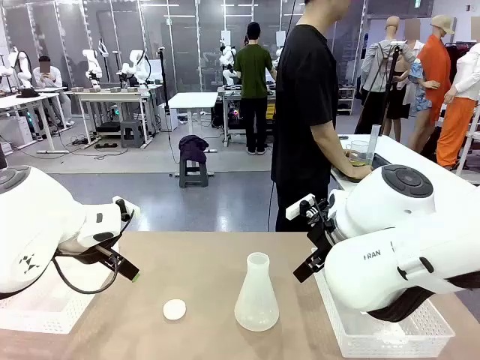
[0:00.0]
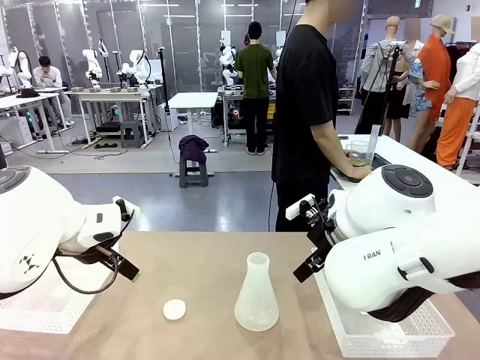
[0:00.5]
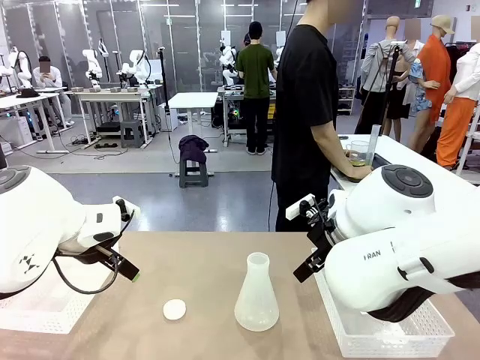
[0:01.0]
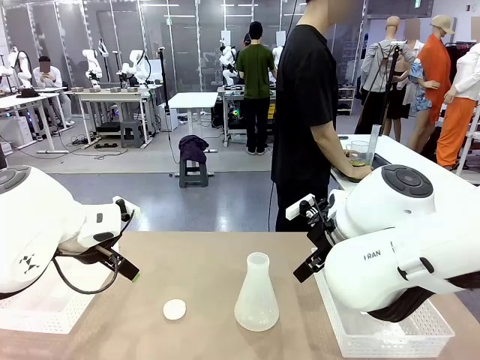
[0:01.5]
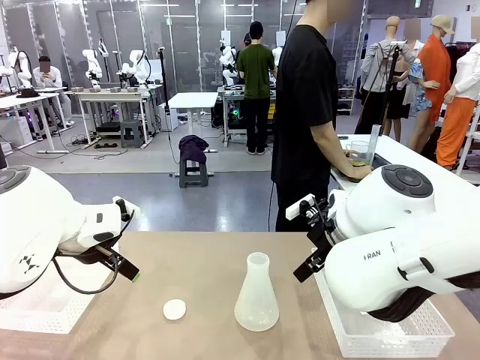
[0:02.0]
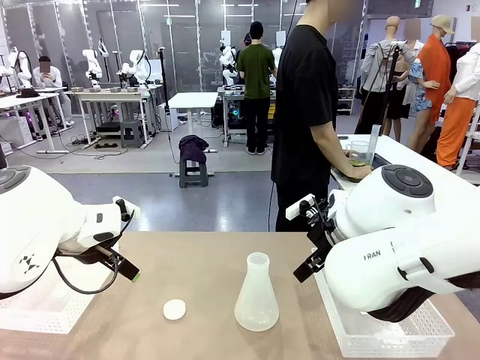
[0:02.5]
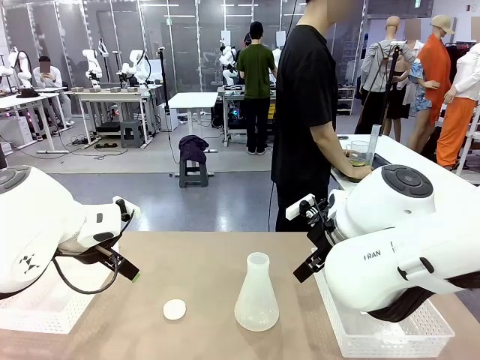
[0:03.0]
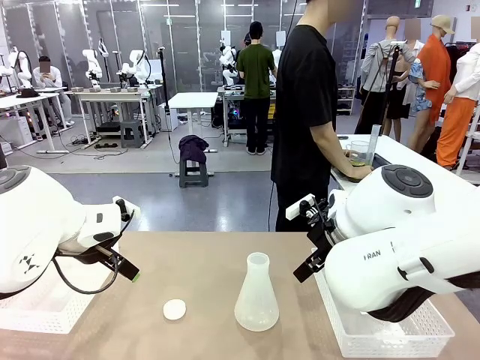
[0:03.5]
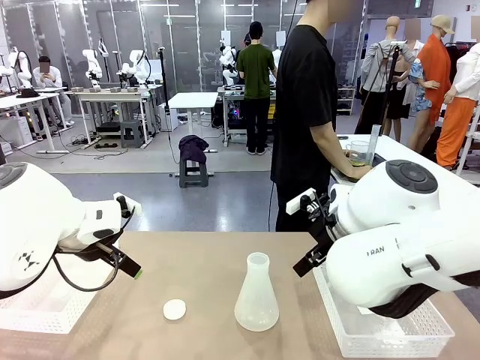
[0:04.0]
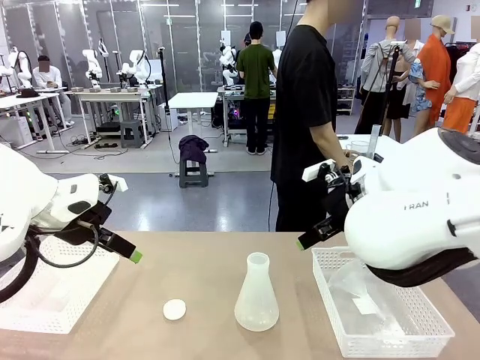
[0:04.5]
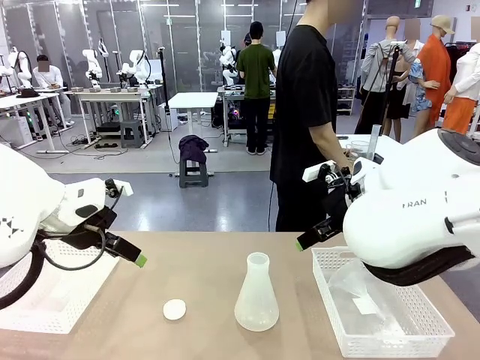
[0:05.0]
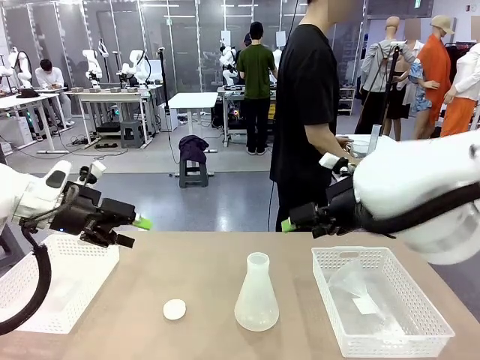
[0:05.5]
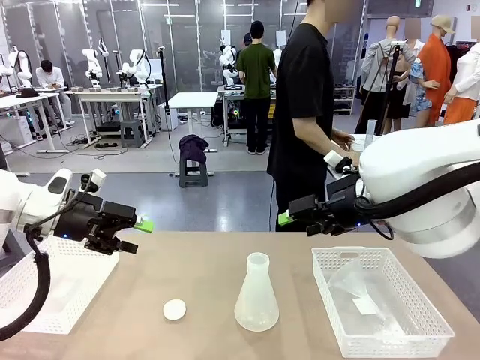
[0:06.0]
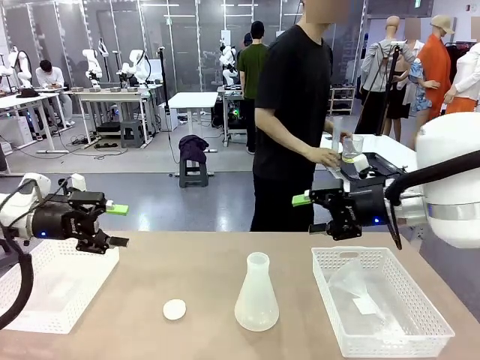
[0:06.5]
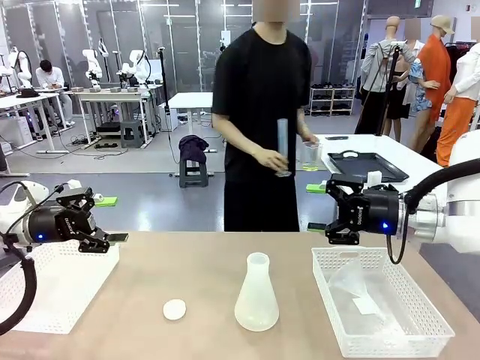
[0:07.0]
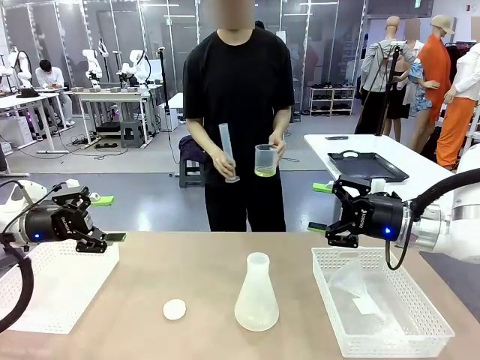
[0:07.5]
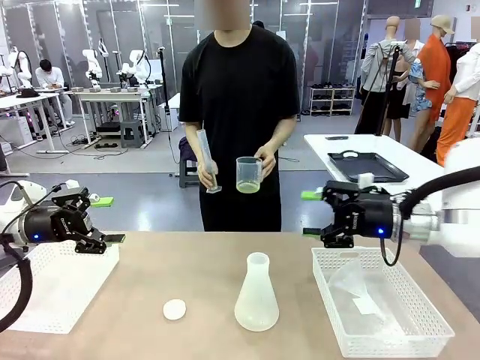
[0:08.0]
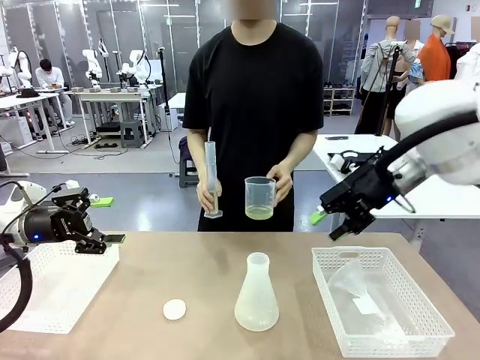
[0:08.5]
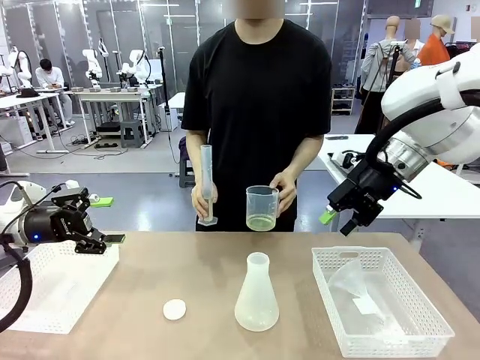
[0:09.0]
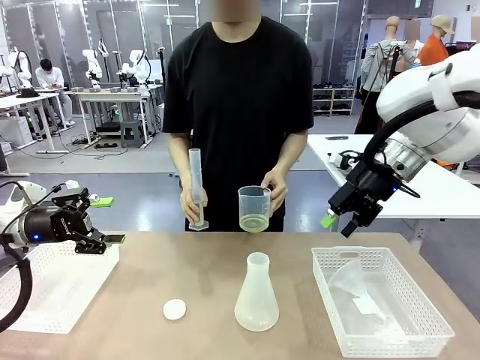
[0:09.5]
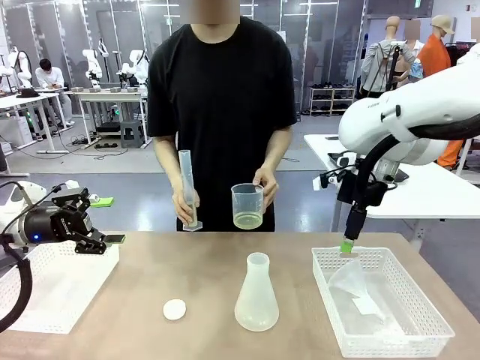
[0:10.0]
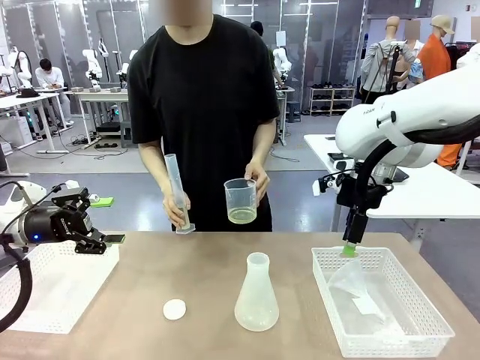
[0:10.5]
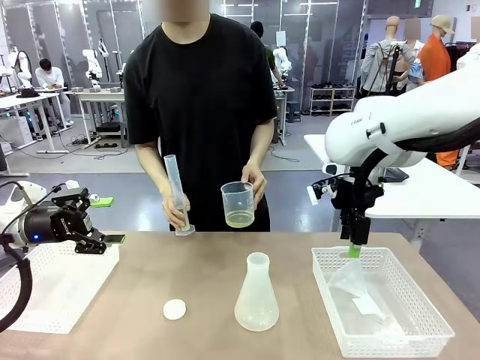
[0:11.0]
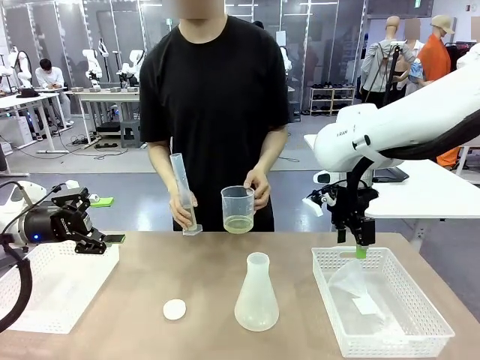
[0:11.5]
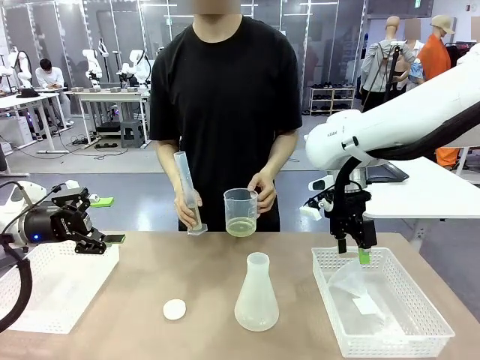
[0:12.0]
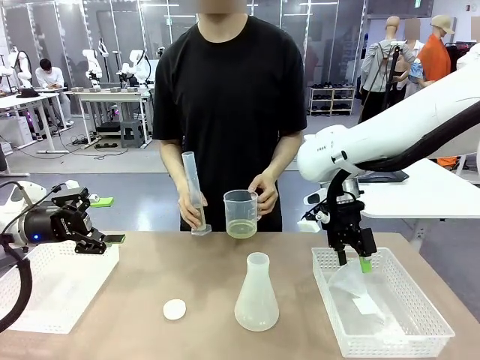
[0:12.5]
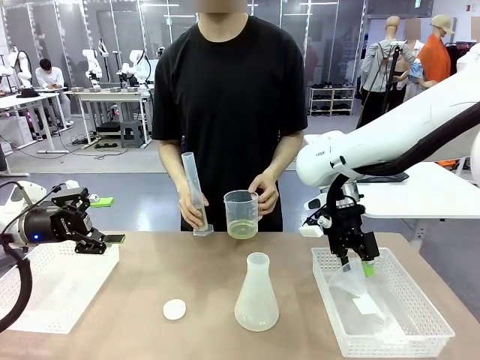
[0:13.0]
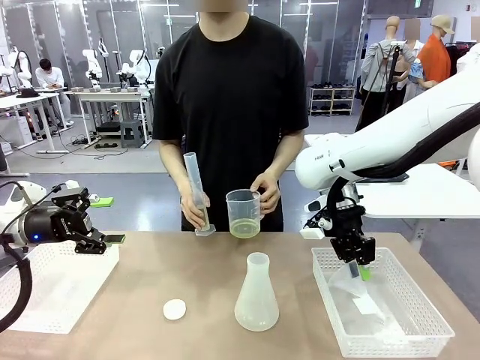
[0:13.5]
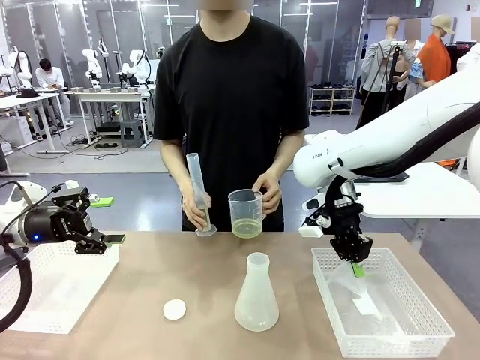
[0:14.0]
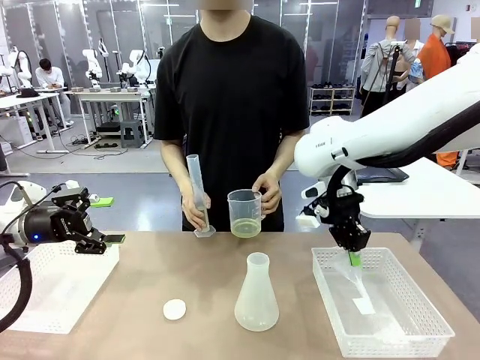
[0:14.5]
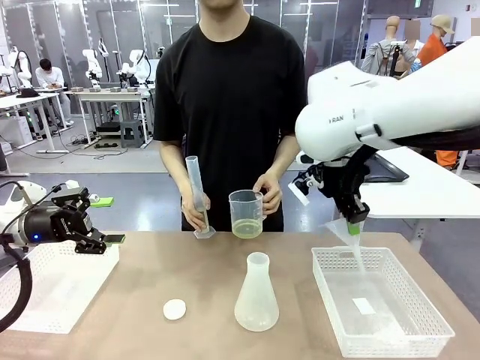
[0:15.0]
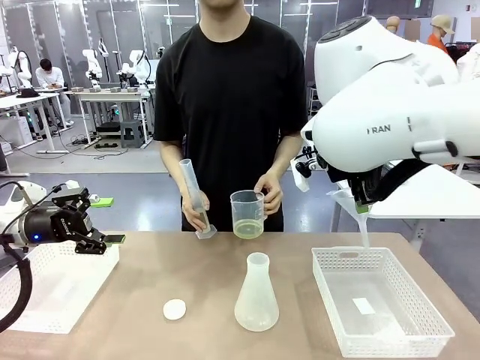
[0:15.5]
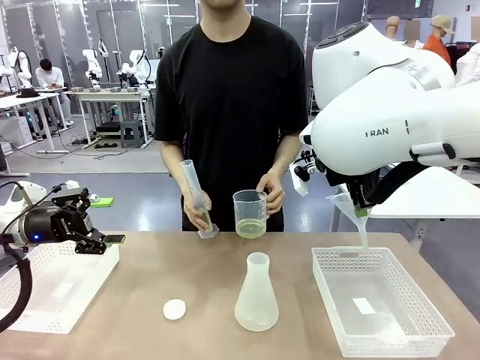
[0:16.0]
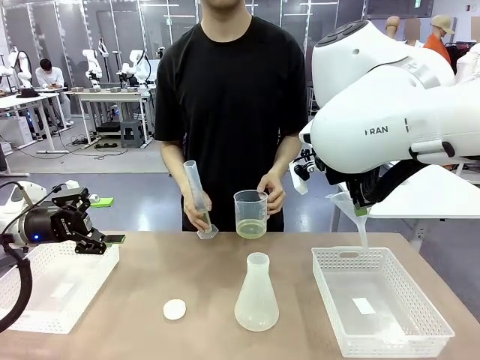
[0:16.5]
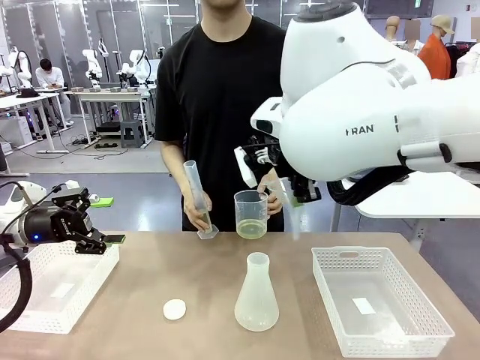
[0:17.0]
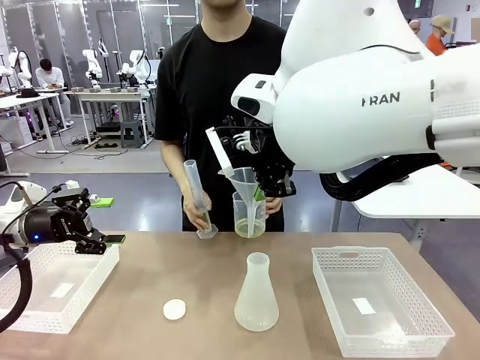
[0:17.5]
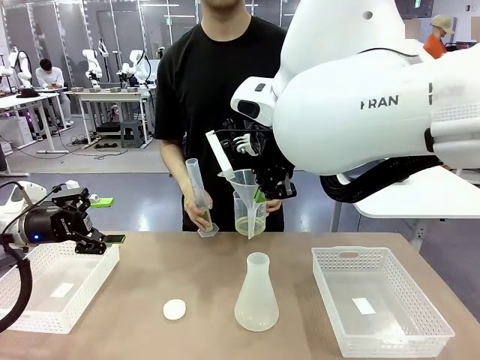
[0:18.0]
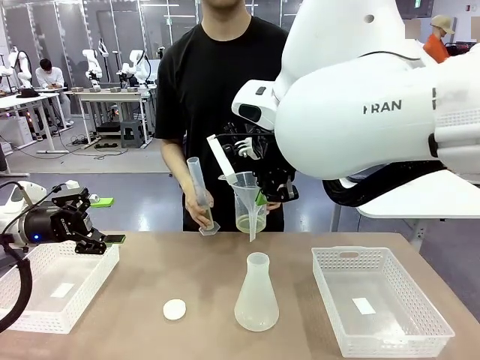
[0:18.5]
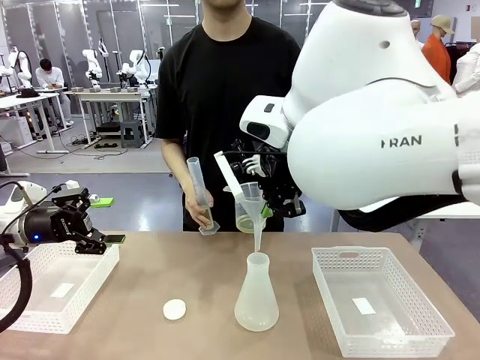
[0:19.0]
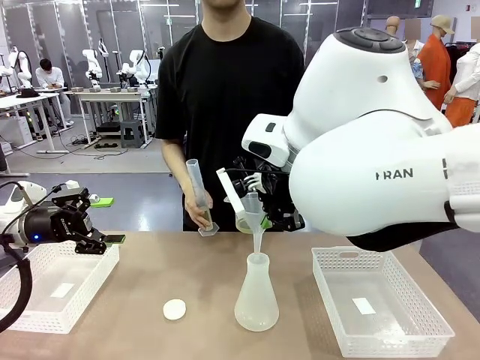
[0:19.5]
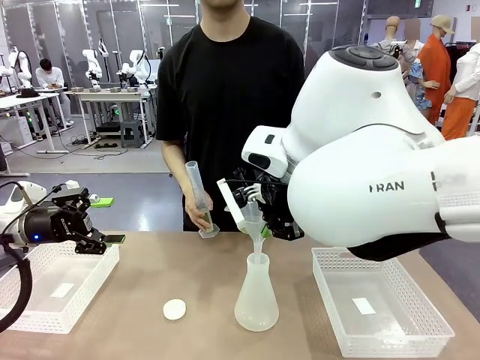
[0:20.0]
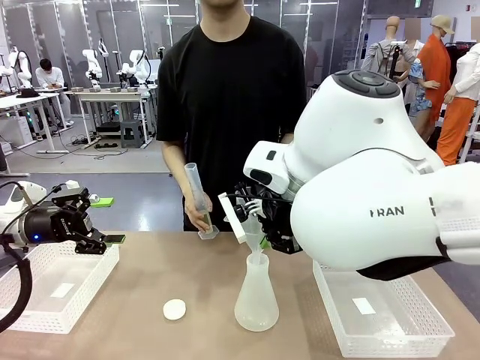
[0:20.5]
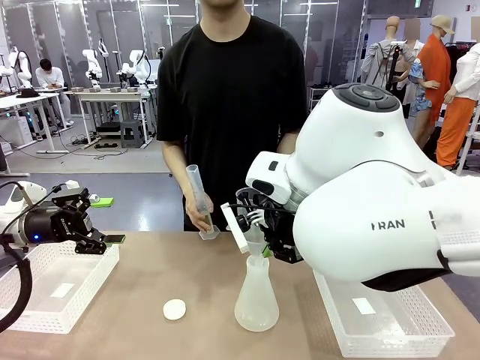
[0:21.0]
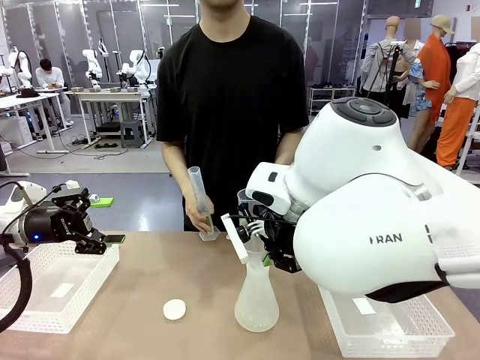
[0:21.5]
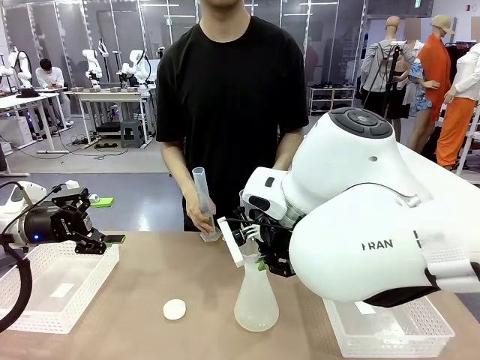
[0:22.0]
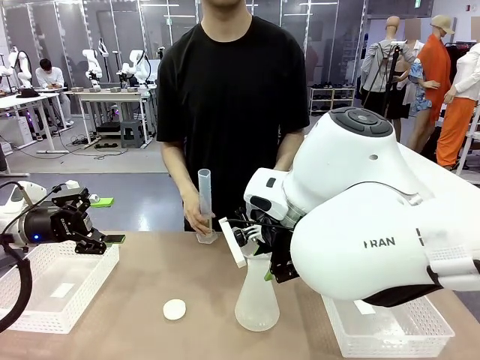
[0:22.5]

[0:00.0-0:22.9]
Task: Prepare the solutions needed for the experiment.
Robot: Pick up the Plastic Funnel and insert it into the Big flask.
Person: Pick up the beaker and the cylinder and move to the middle of the robot table. Pour the solution from the beaker and the cylinder into the flask.
